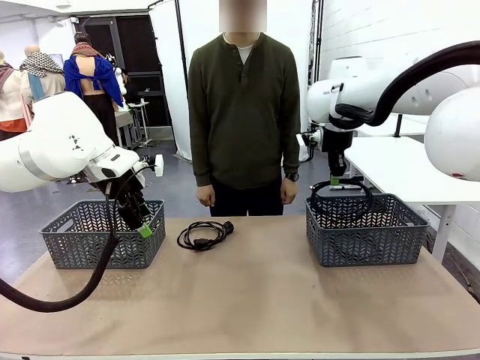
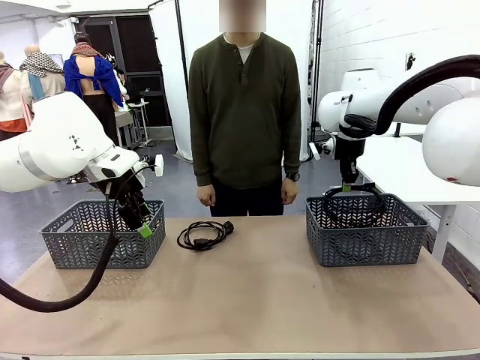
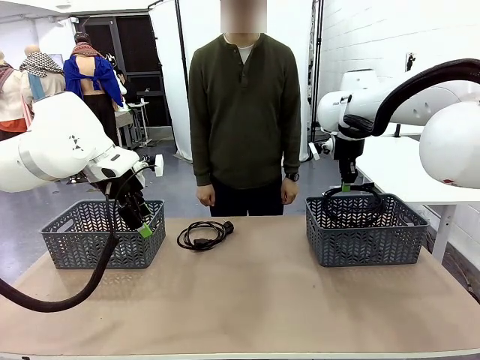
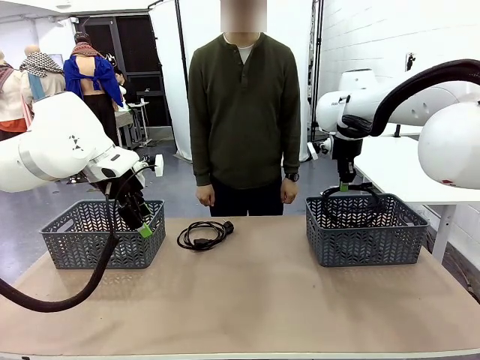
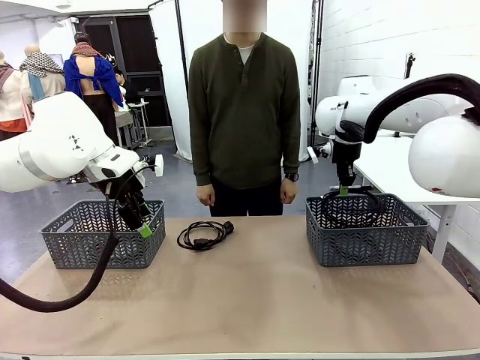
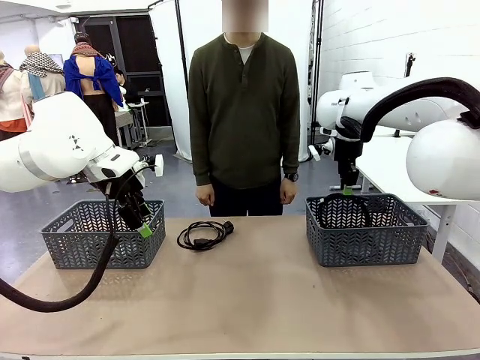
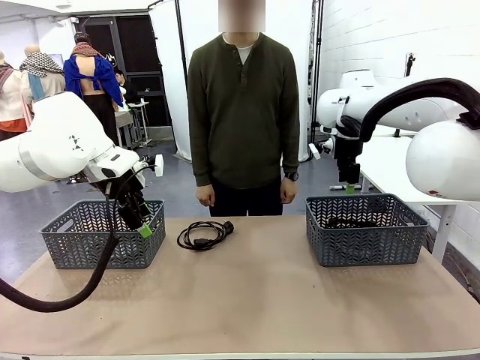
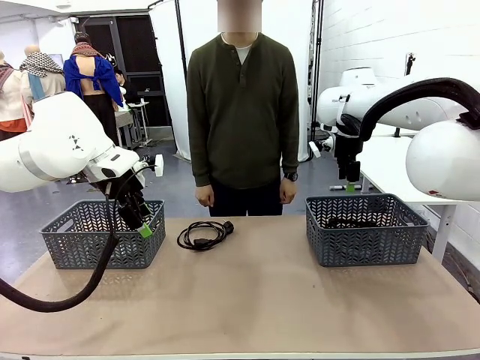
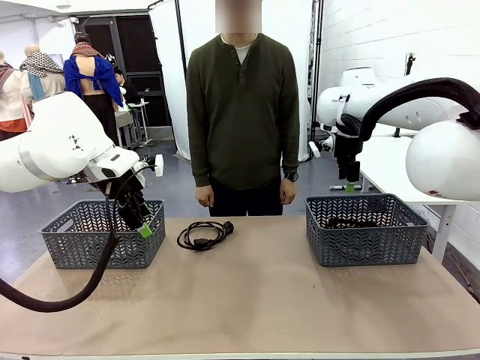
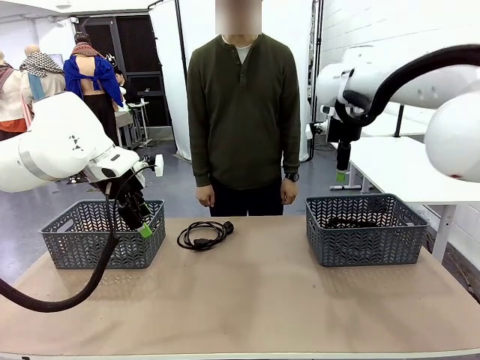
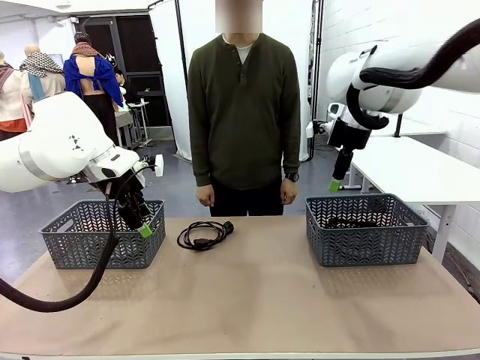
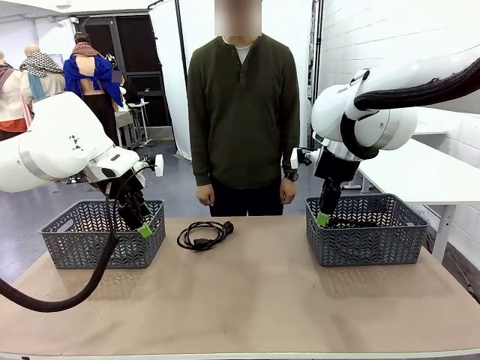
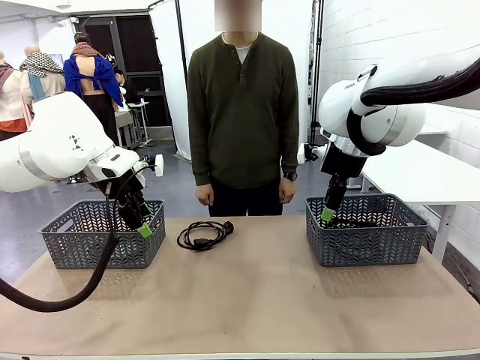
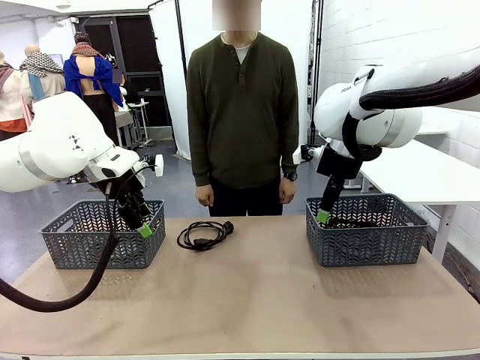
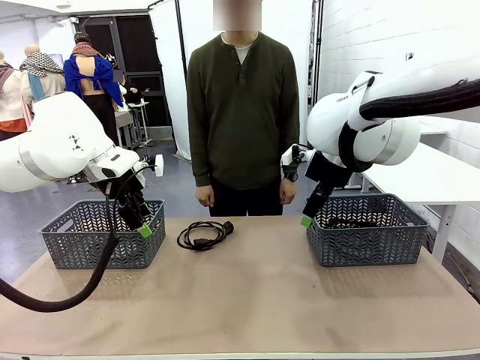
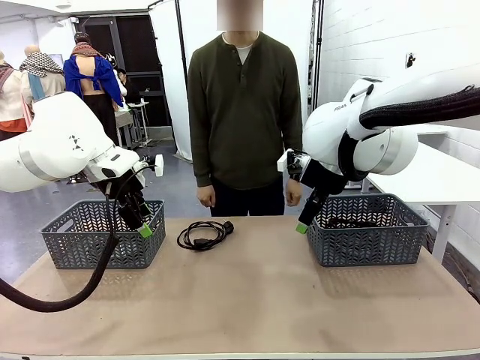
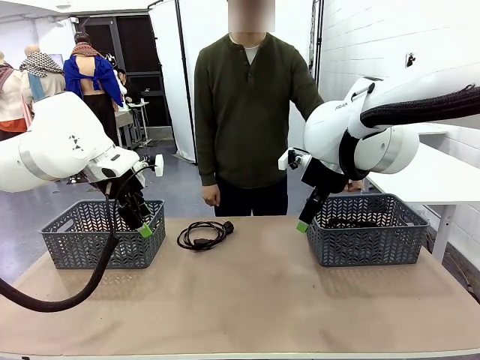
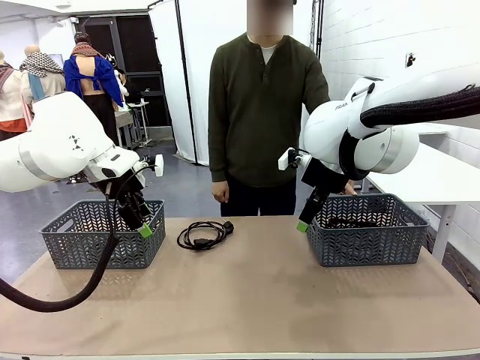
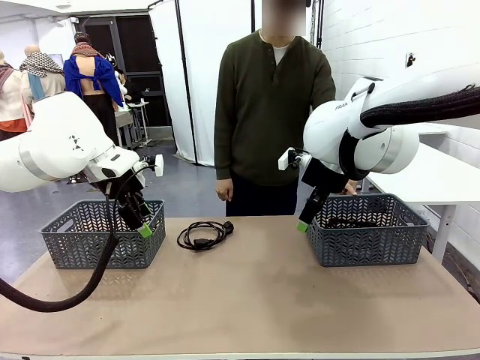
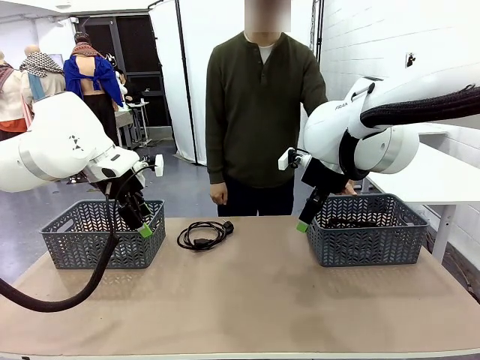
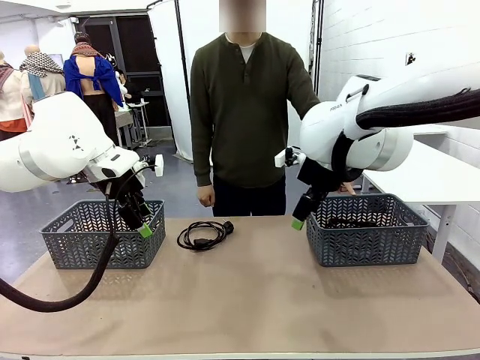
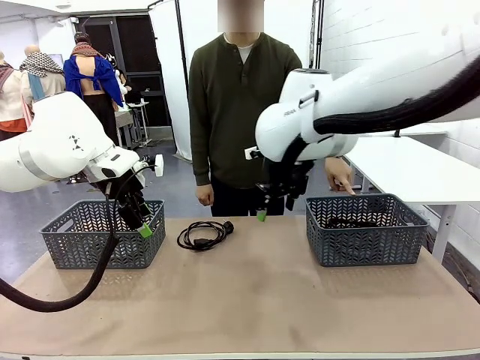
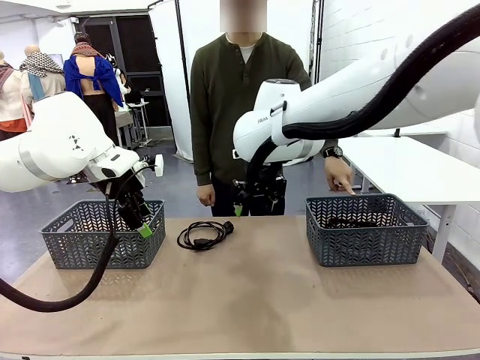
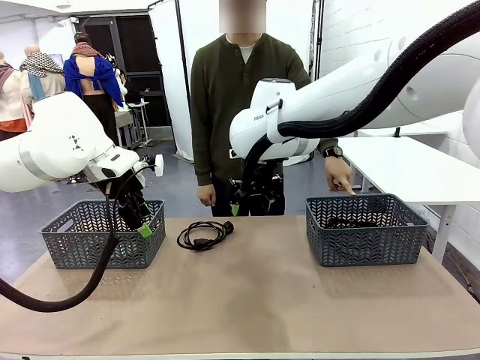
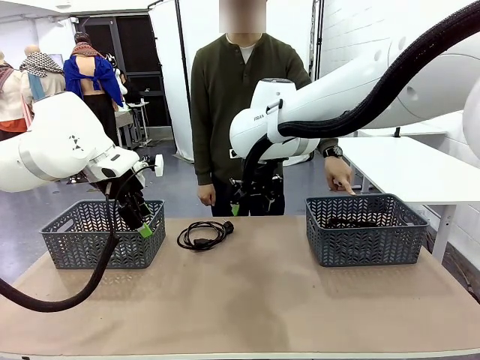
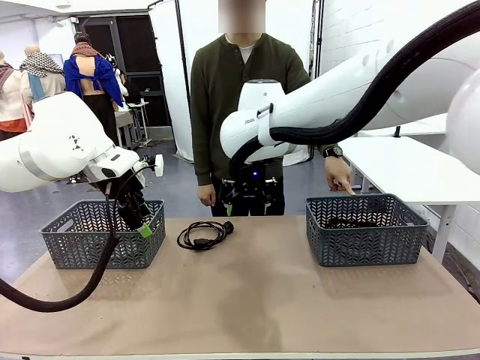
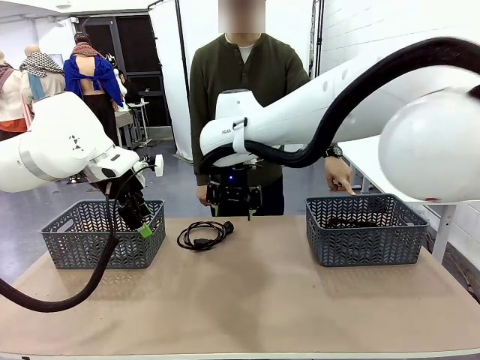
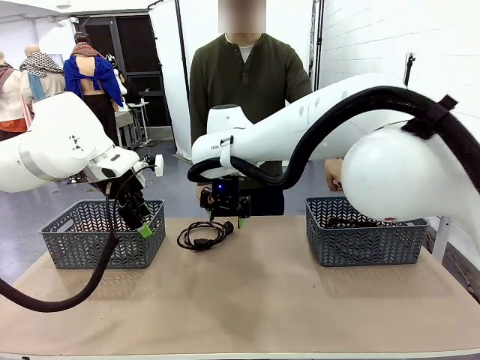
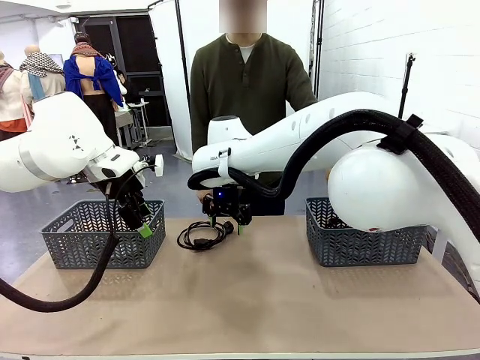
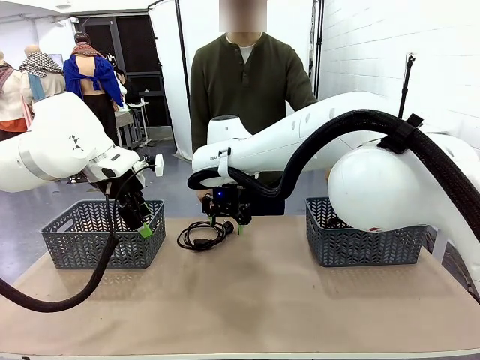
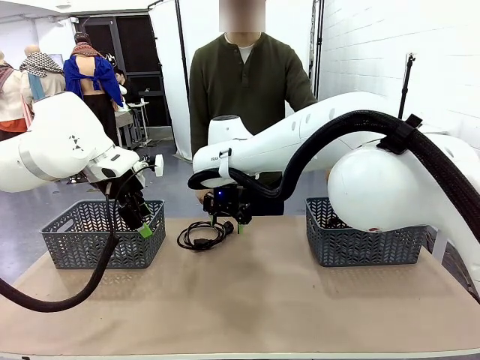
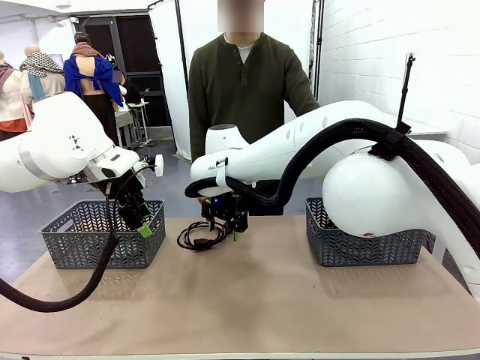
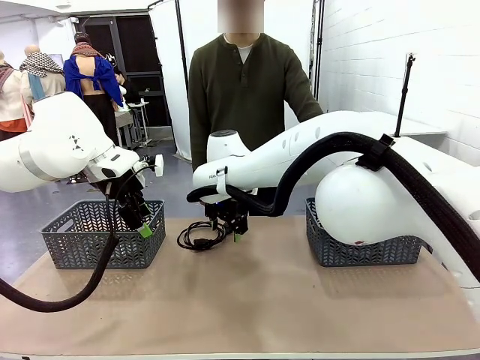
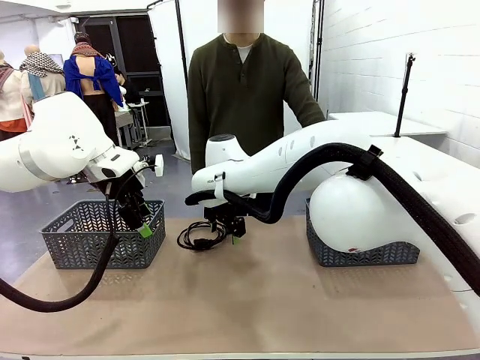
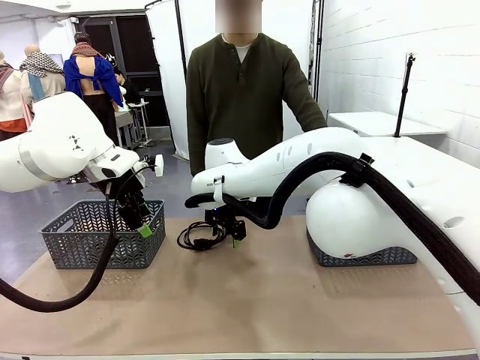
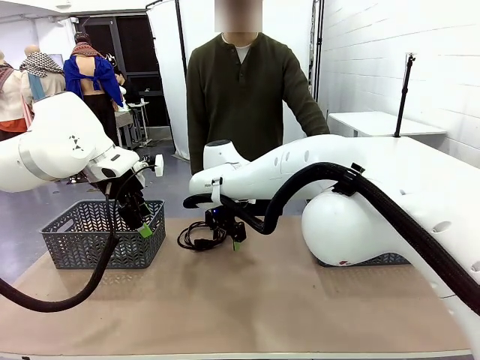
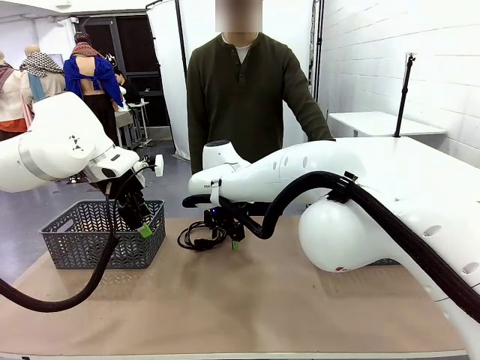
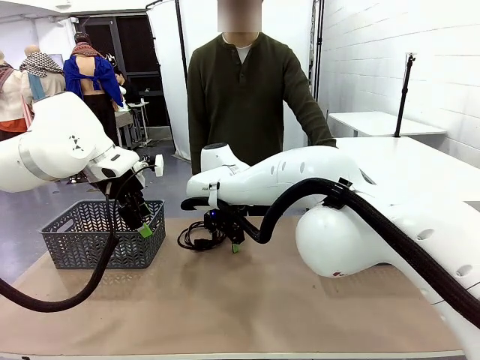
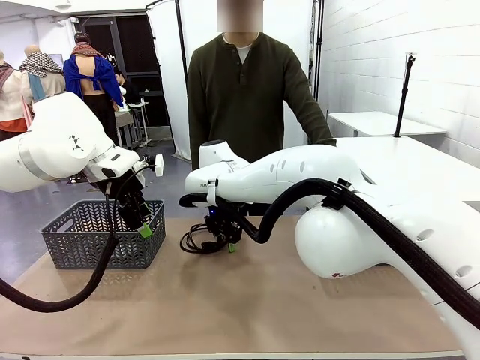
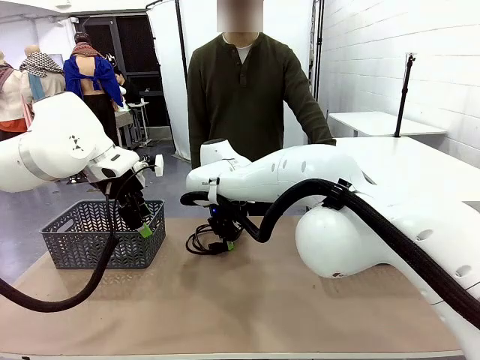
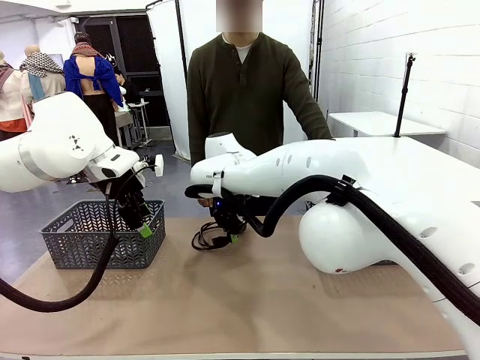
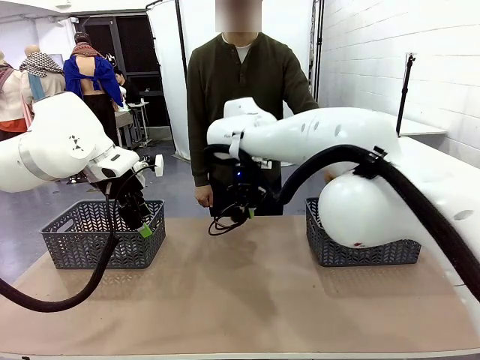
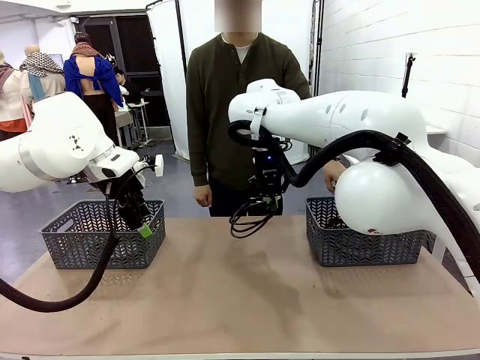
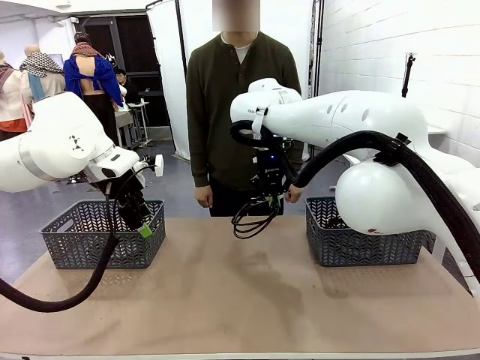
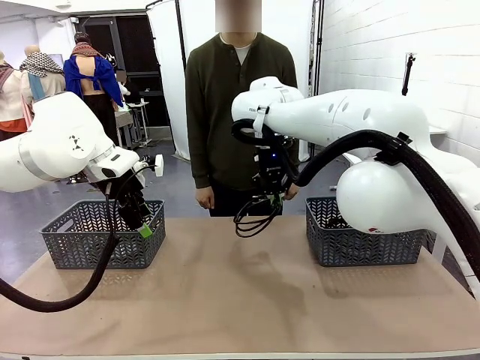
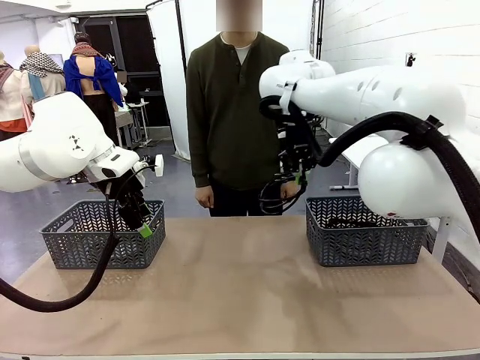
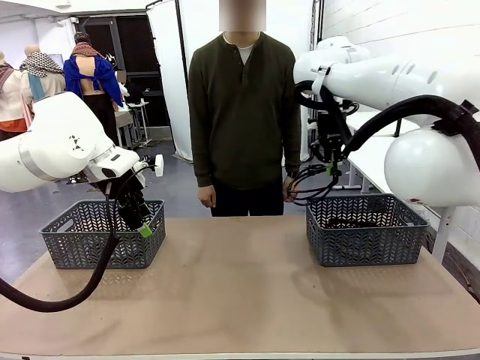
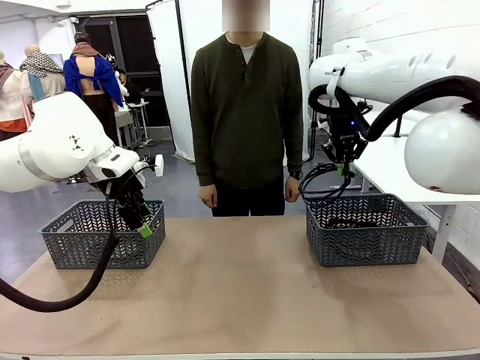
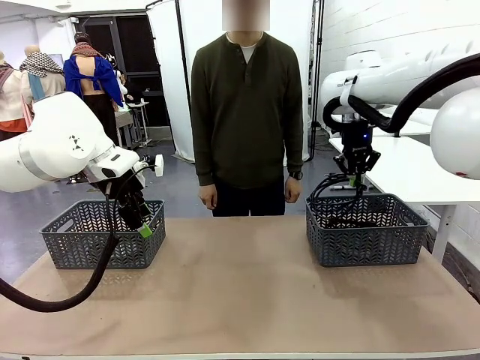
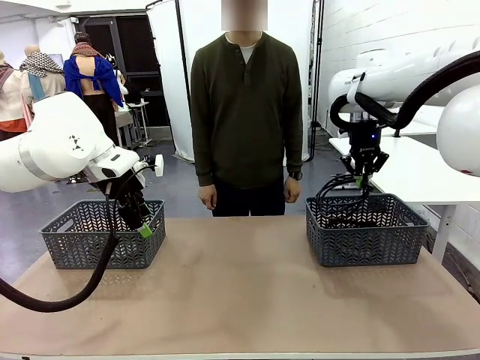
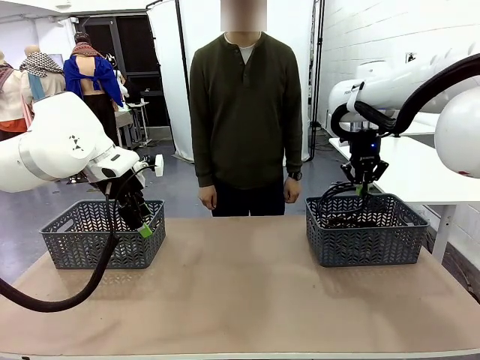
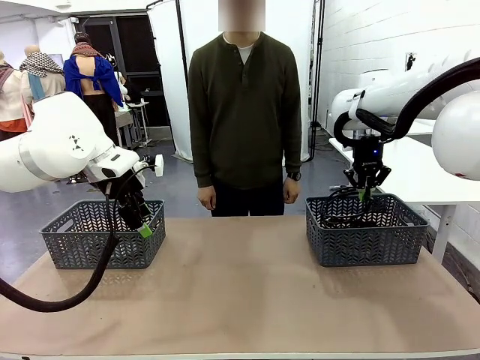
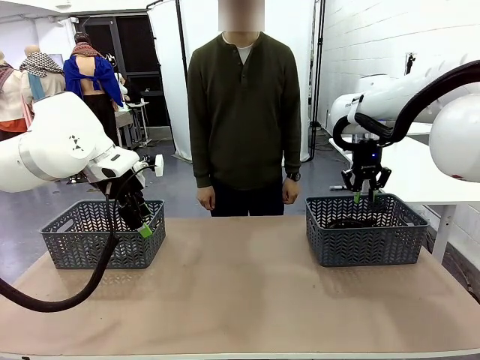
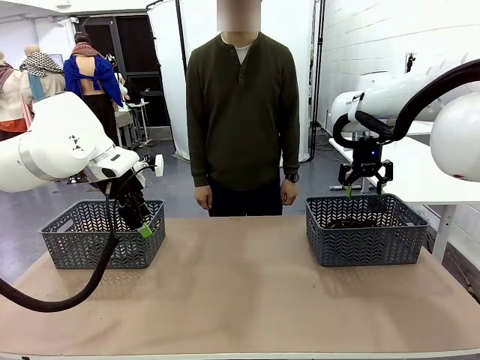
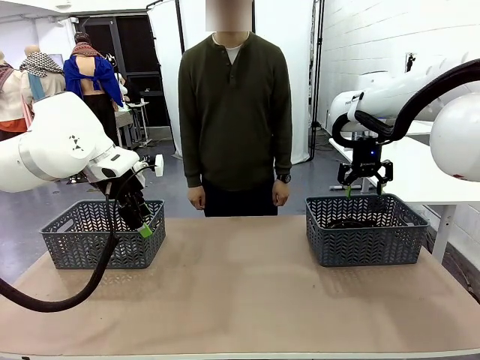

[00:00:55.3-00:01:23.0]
Task: Organize the cables according to human instructions.
Robot: Pick up a bundle of cables and place it in the basket indicated by the human.
